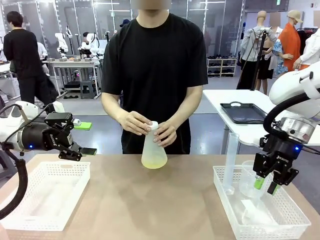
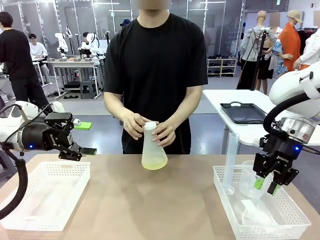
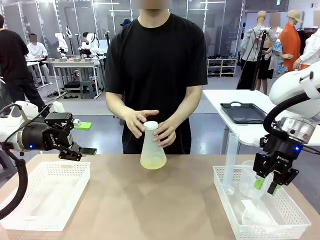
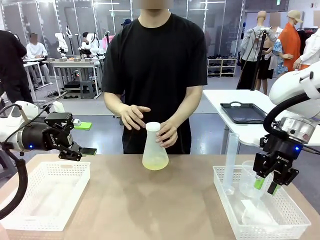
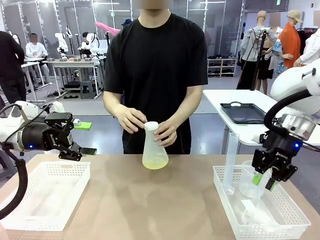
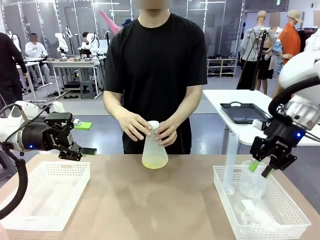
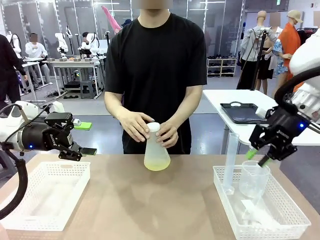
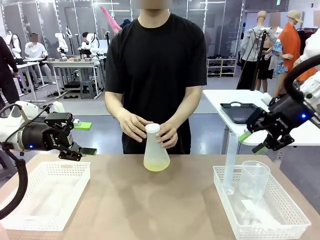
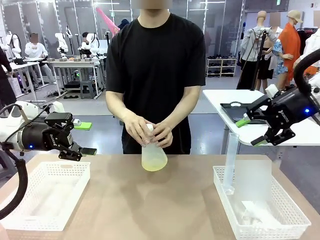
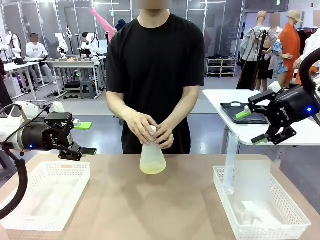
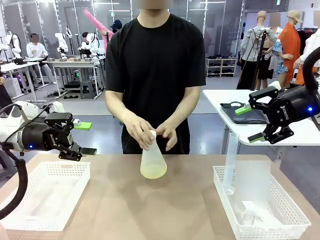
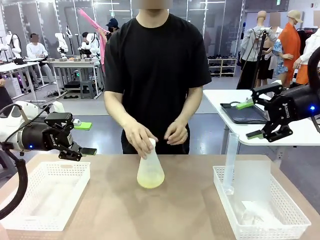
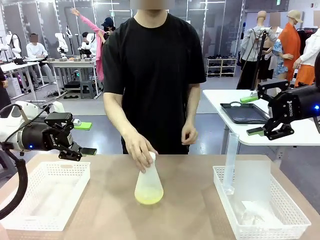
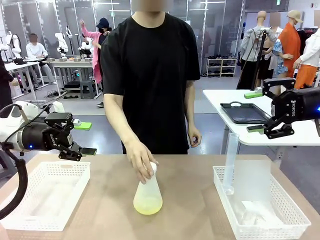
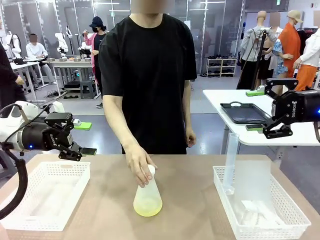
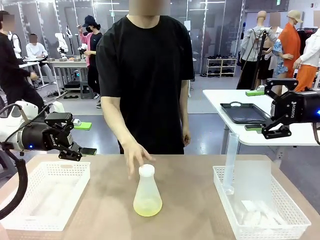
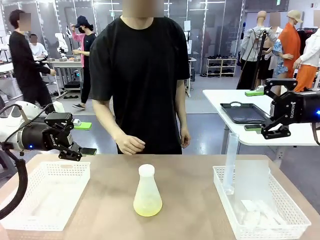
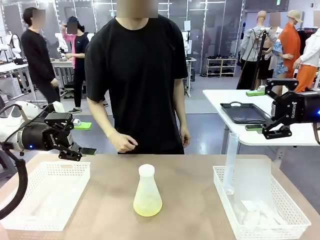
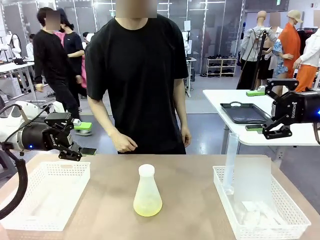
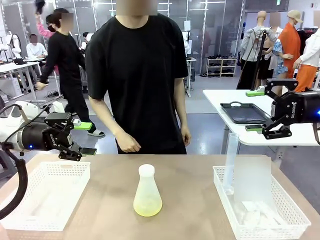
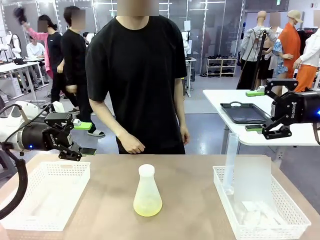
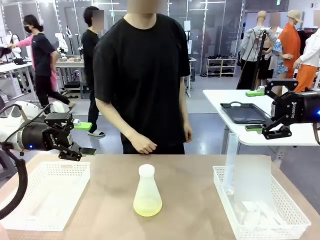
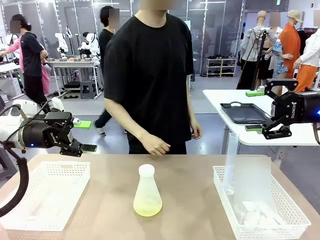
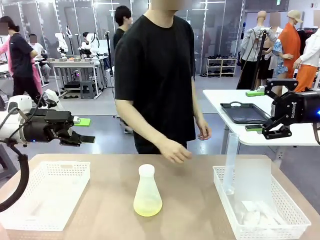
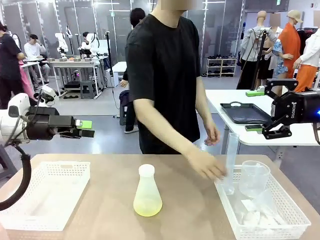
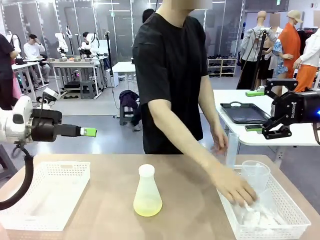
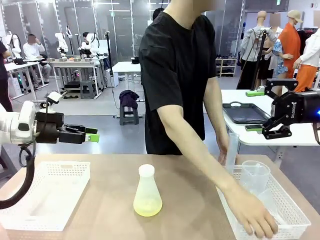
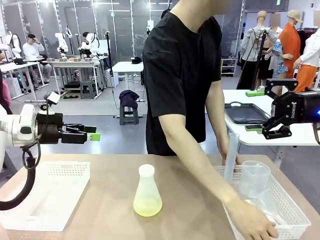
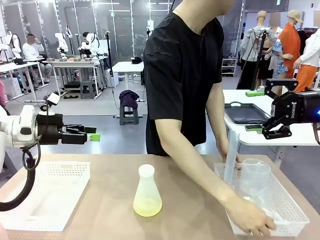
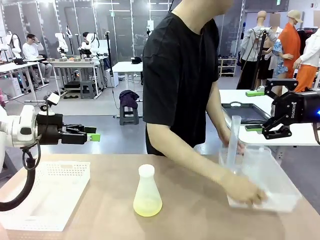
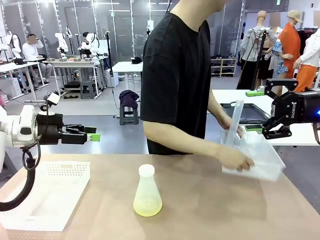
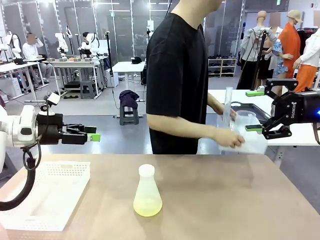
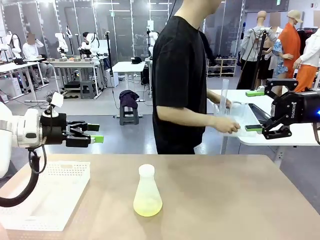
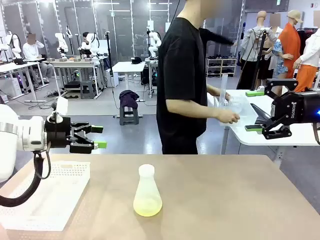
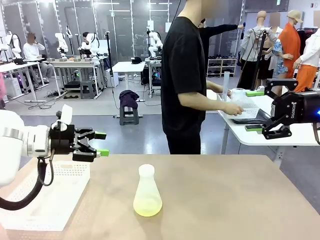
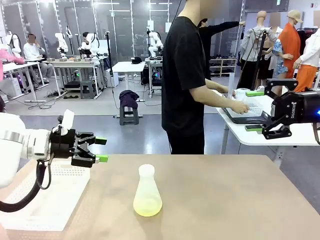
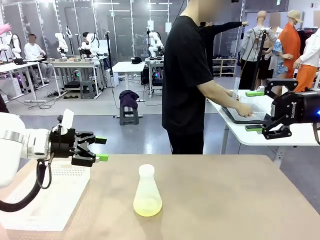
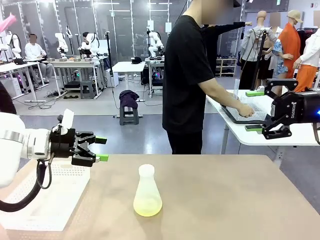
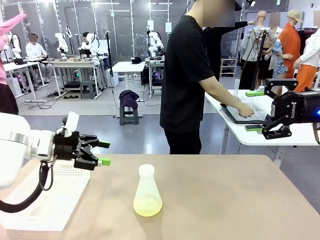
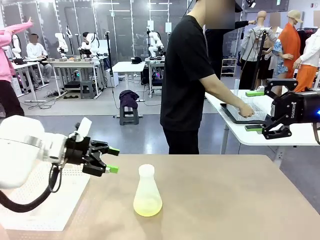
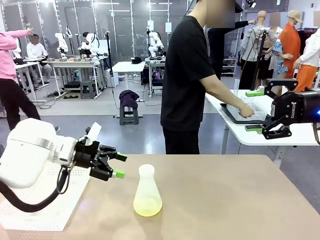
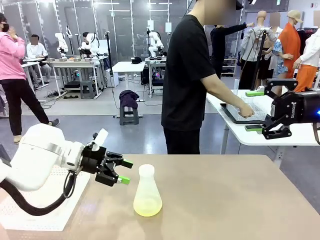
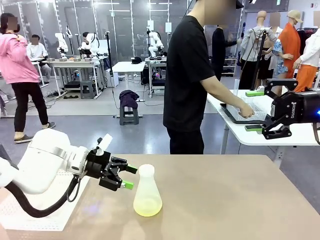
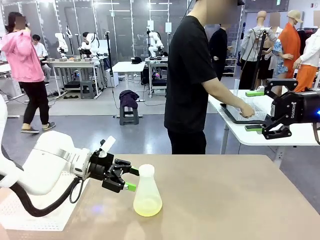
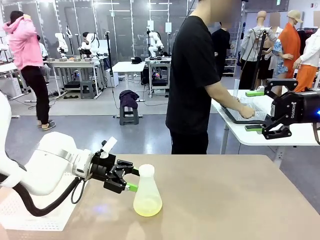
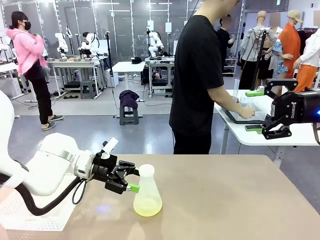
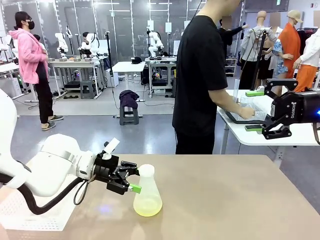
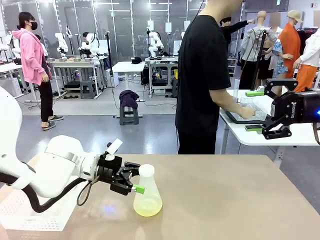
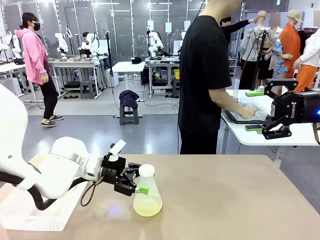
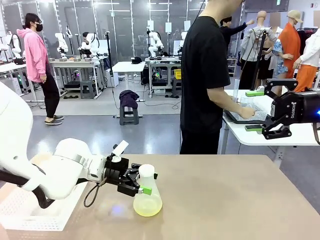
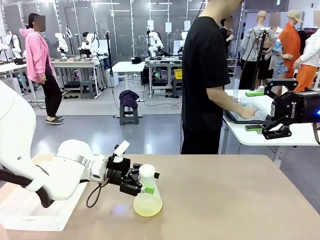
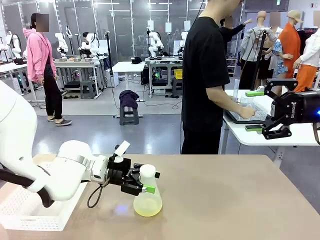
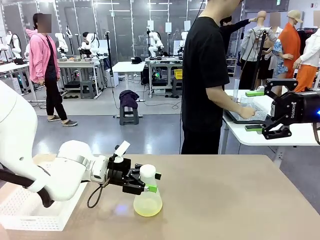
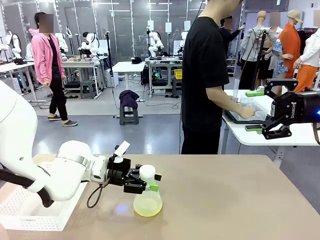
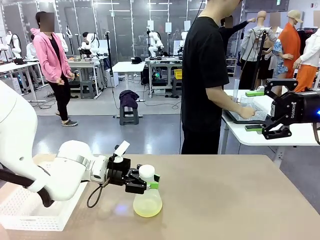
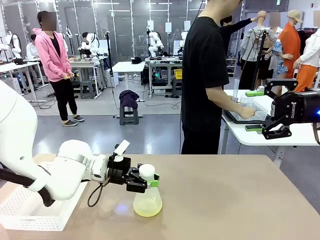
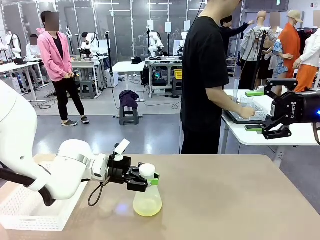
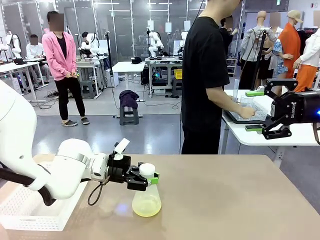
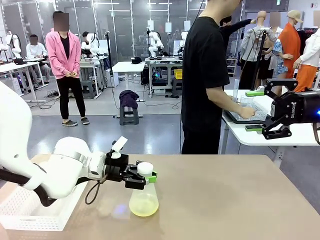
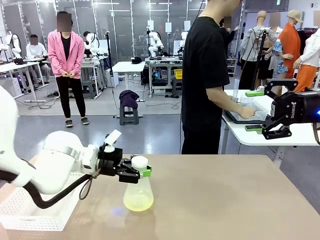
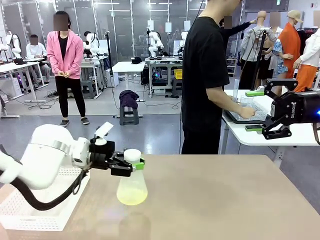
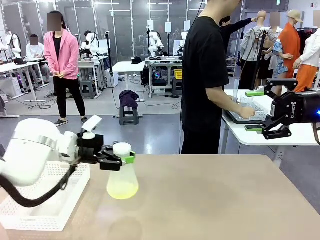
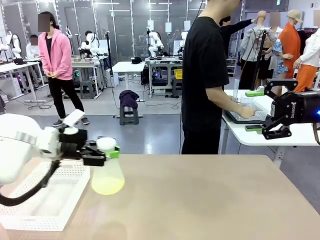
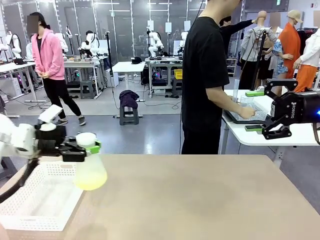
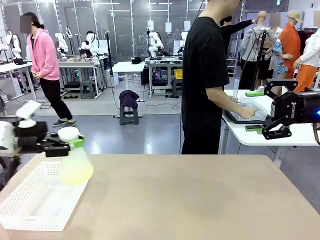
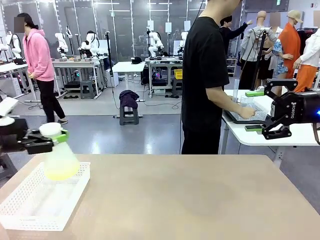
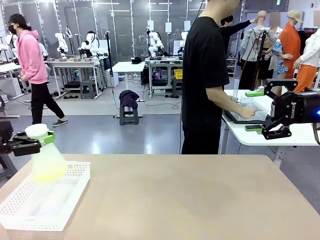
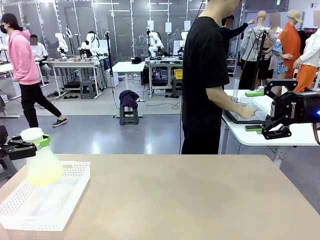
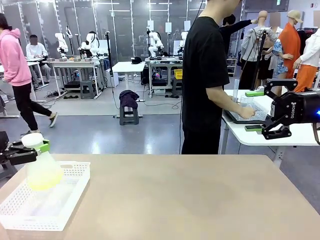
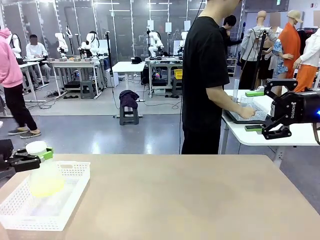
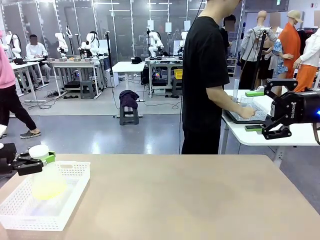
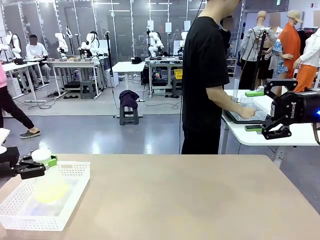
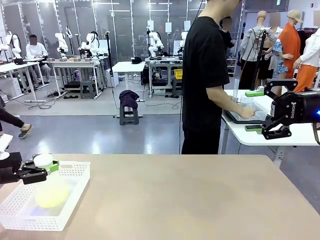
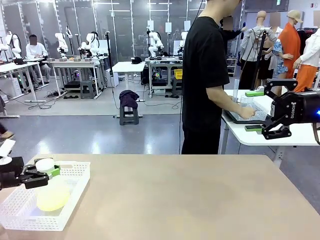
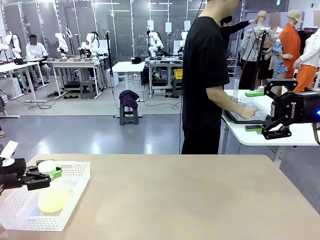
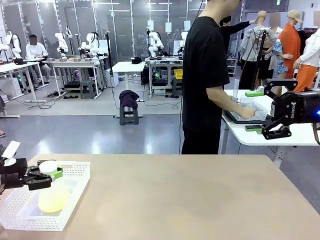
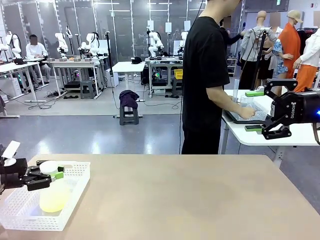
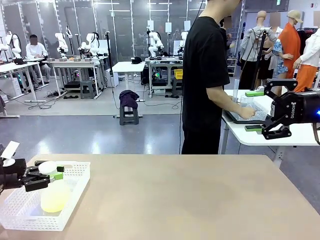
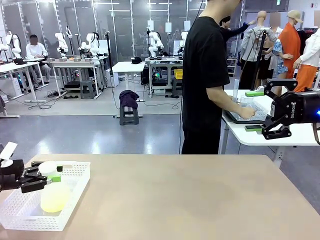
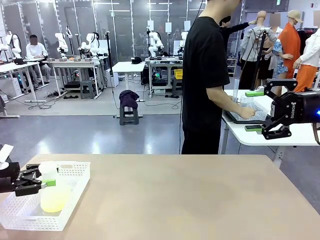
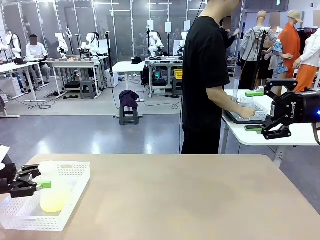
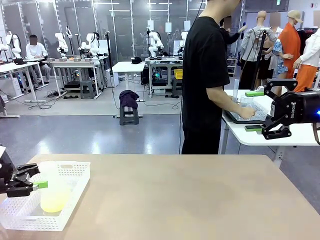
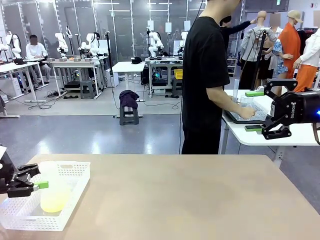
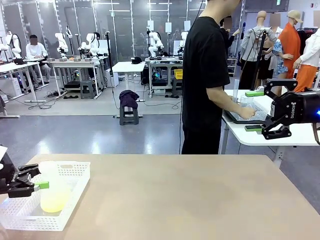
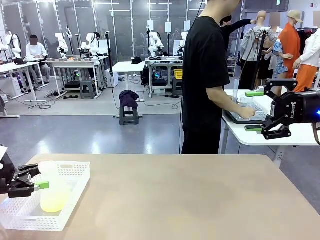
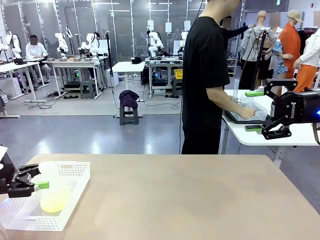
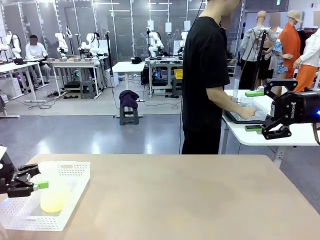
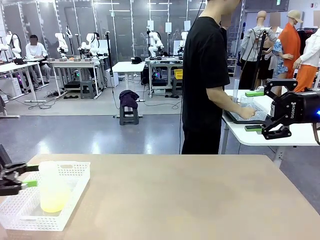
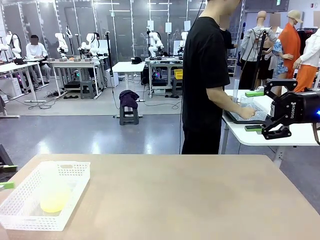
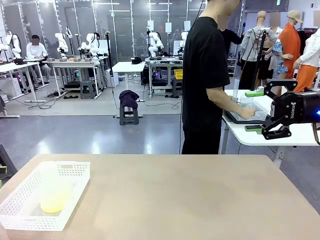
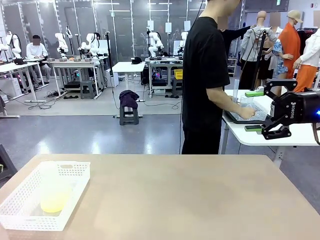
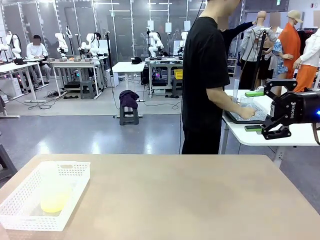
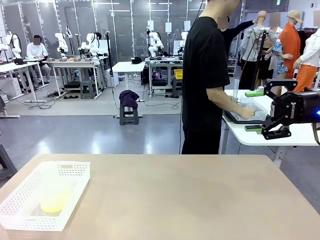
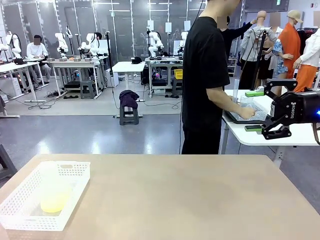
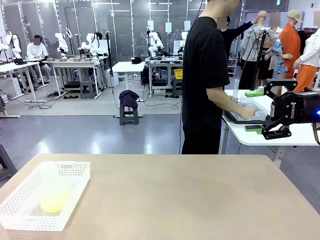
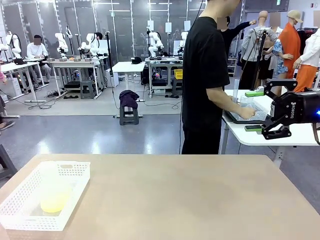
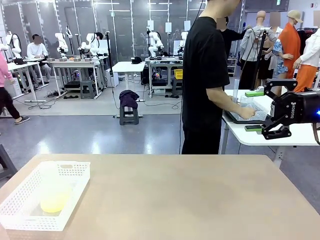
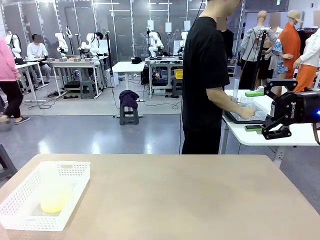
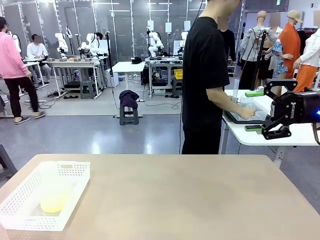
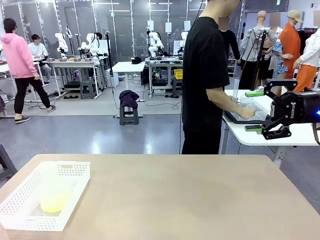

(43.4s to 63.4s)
Task: Prepare the solutions needed for the experiment.
Robot: When the human places the Big flask in the center of the table, pick up the Big flask and place it in the left Organizing basket.
Person: Pick up the organizing basket on the left side of the robot table and place it on the left side of the human table.
